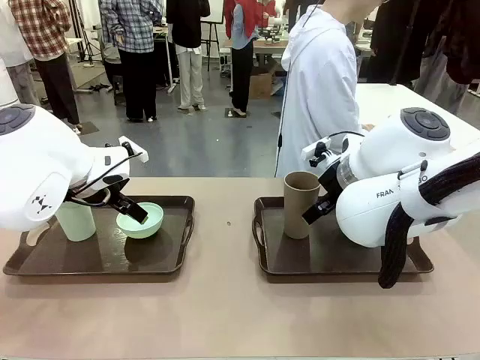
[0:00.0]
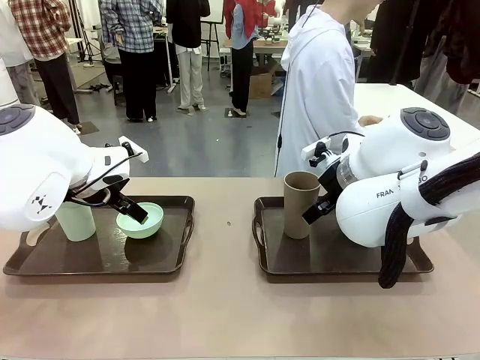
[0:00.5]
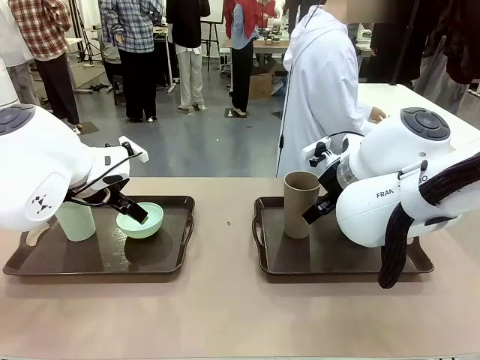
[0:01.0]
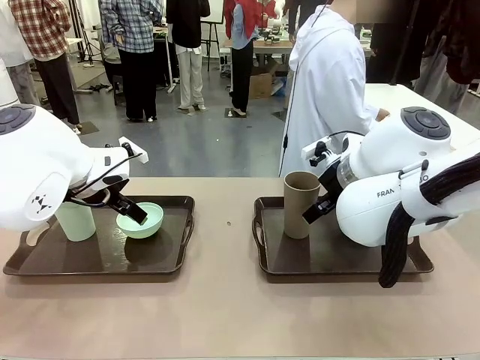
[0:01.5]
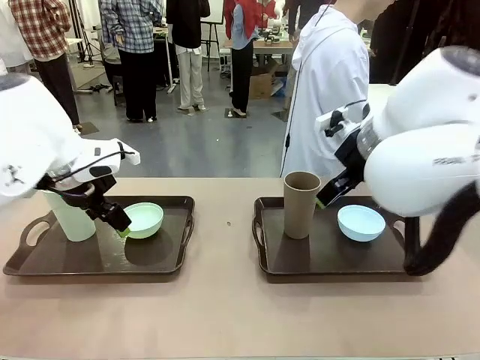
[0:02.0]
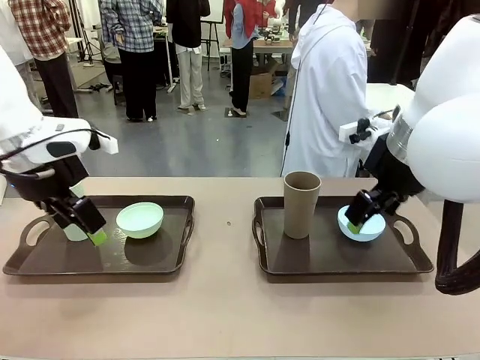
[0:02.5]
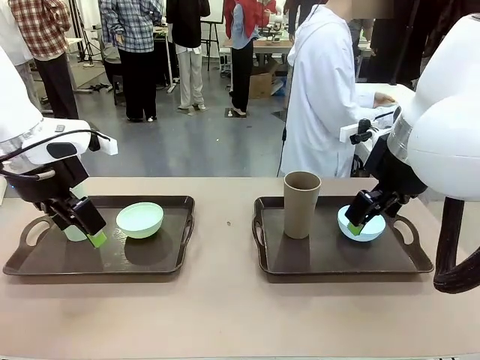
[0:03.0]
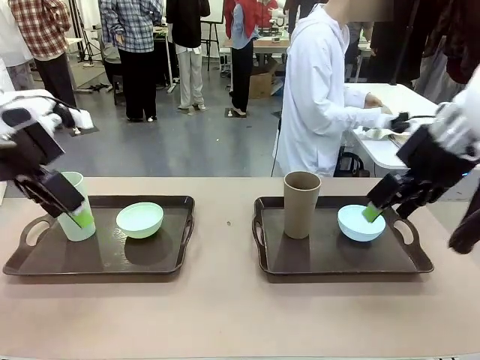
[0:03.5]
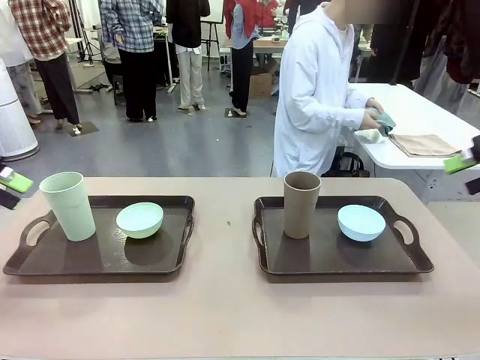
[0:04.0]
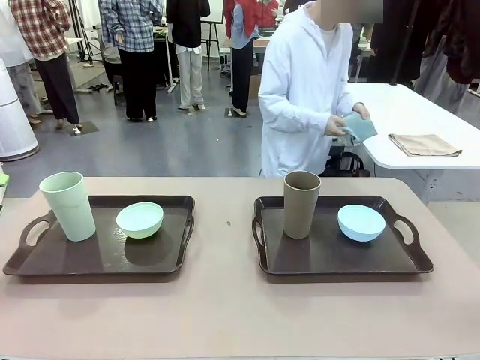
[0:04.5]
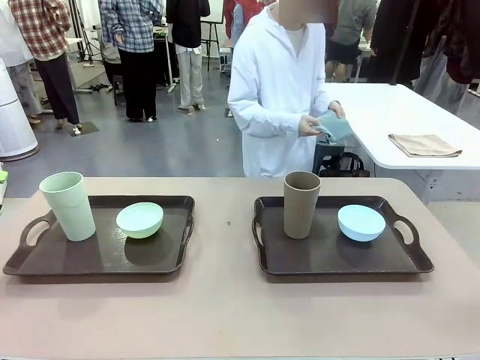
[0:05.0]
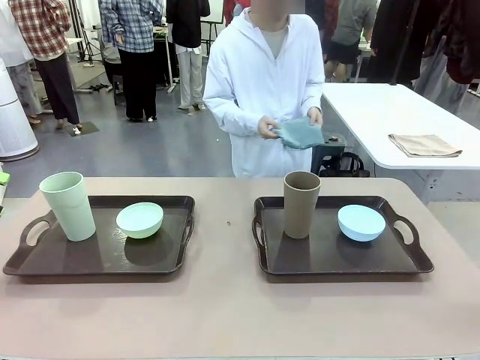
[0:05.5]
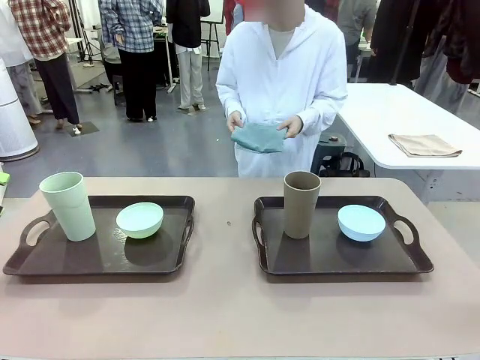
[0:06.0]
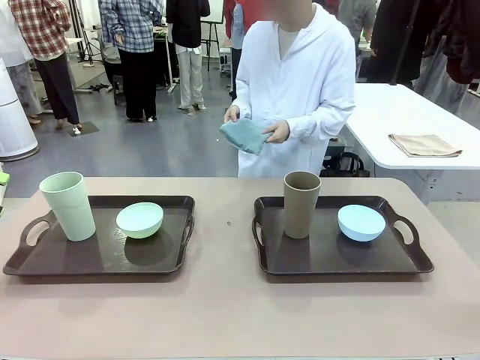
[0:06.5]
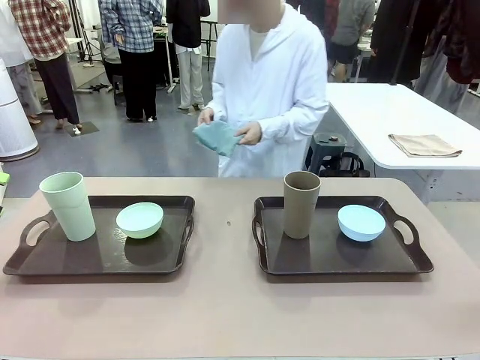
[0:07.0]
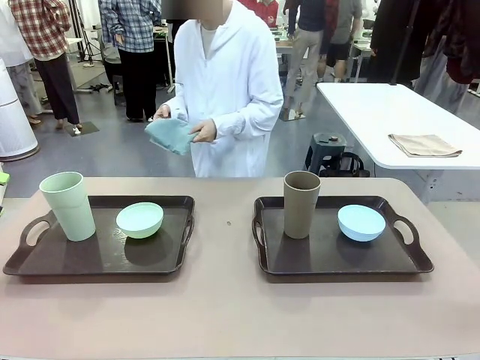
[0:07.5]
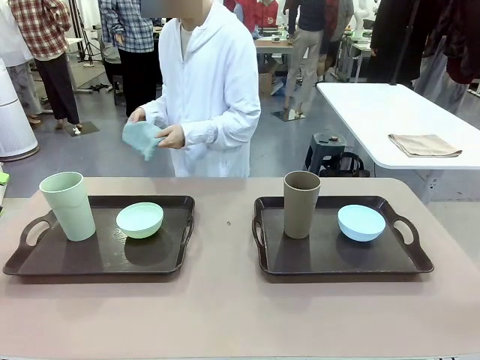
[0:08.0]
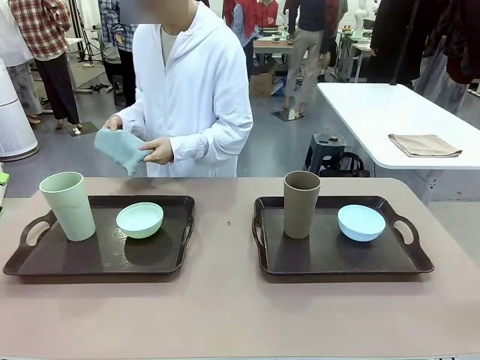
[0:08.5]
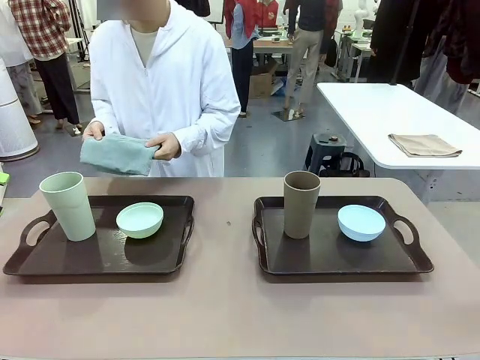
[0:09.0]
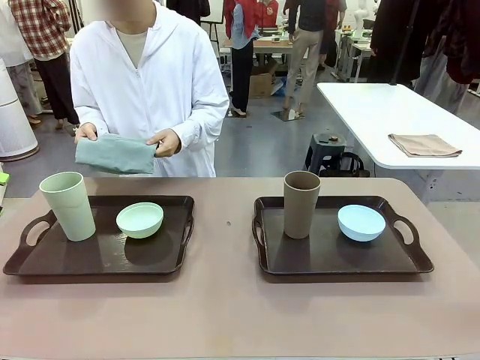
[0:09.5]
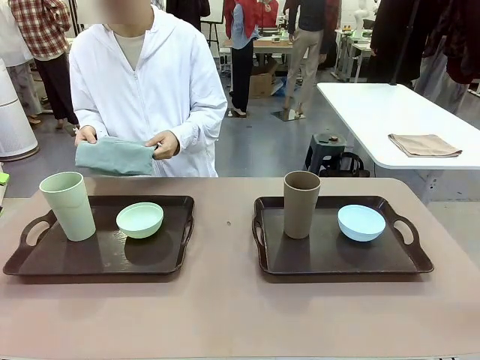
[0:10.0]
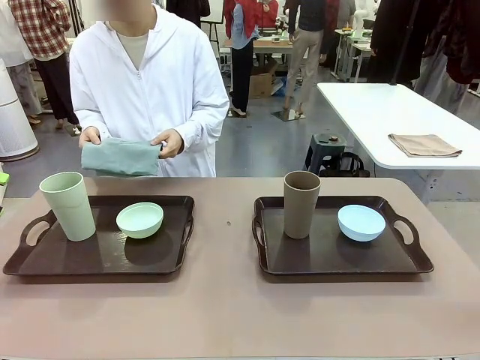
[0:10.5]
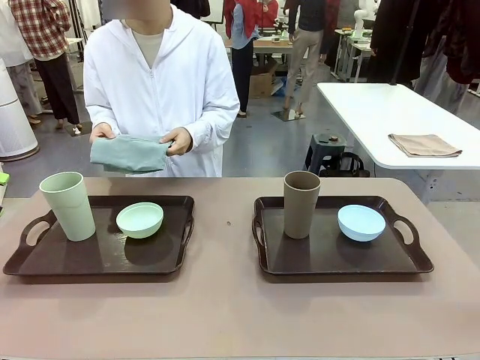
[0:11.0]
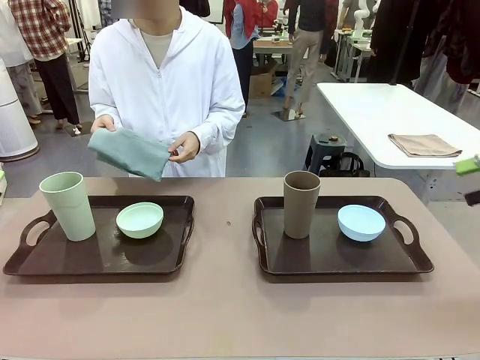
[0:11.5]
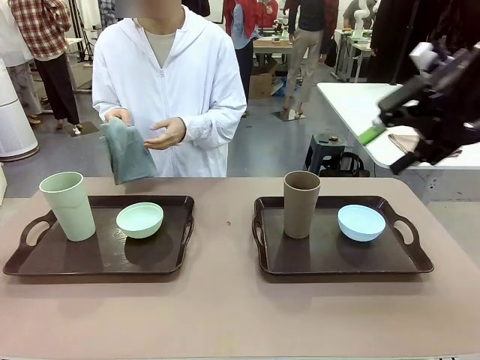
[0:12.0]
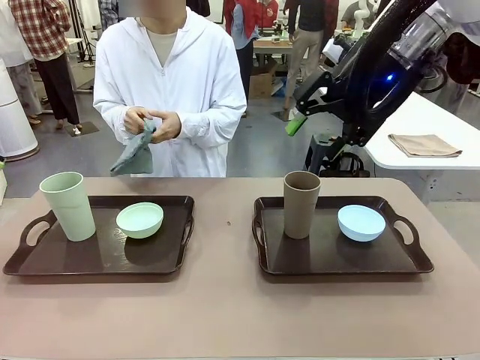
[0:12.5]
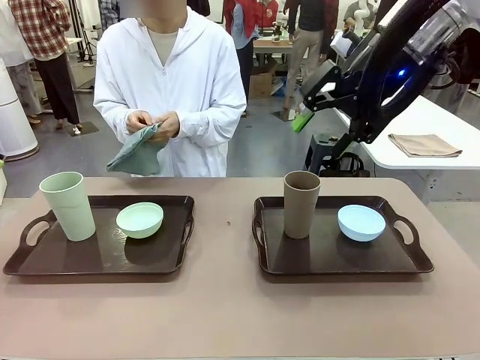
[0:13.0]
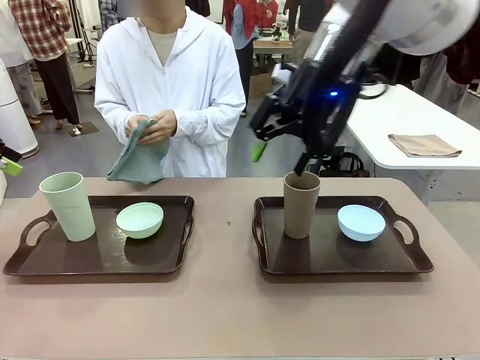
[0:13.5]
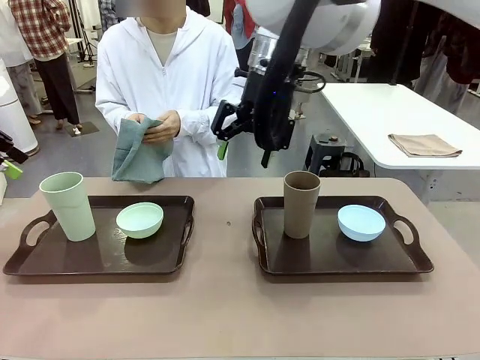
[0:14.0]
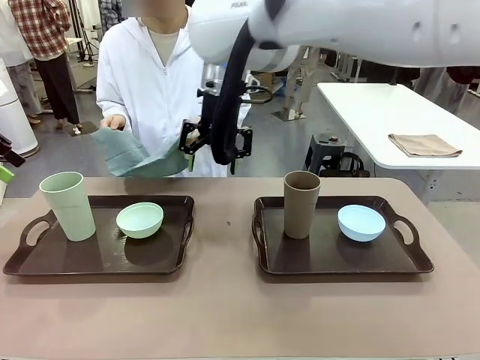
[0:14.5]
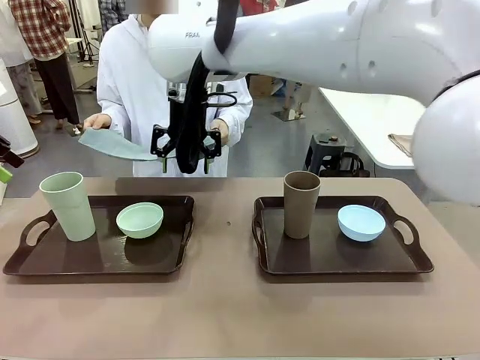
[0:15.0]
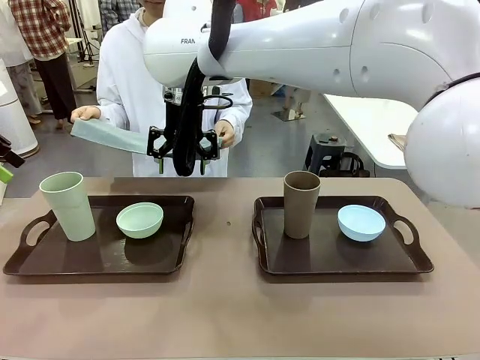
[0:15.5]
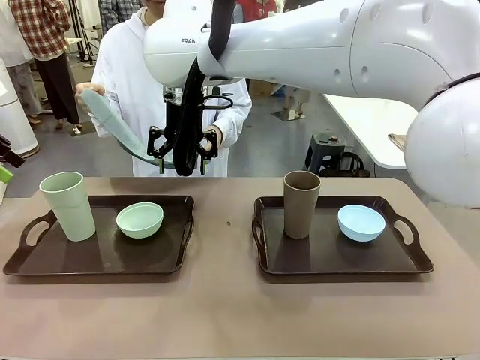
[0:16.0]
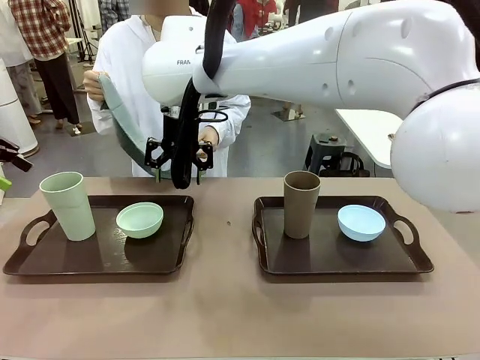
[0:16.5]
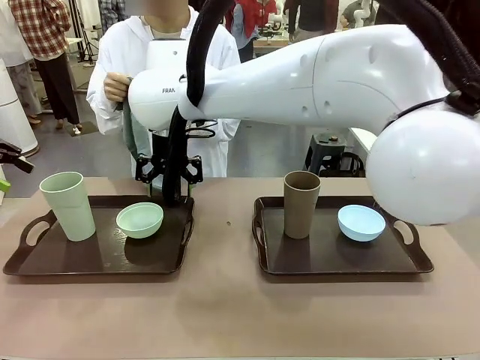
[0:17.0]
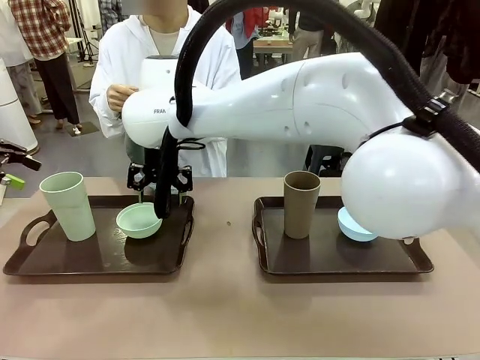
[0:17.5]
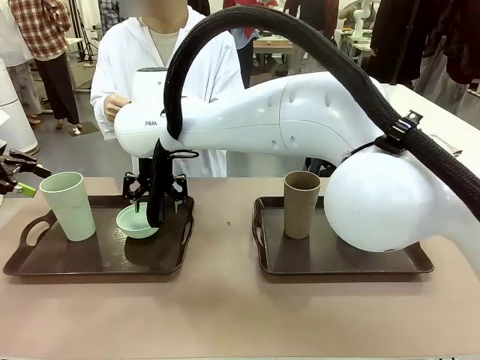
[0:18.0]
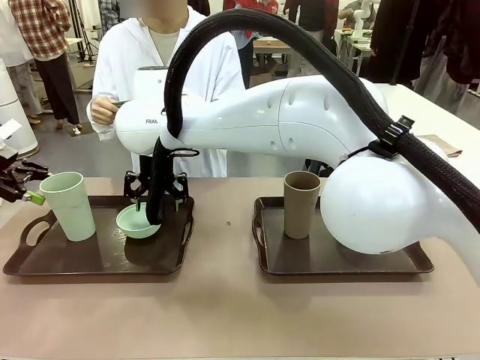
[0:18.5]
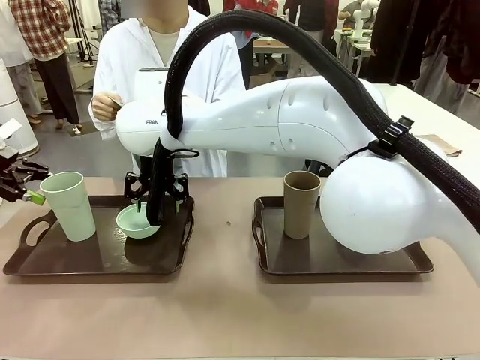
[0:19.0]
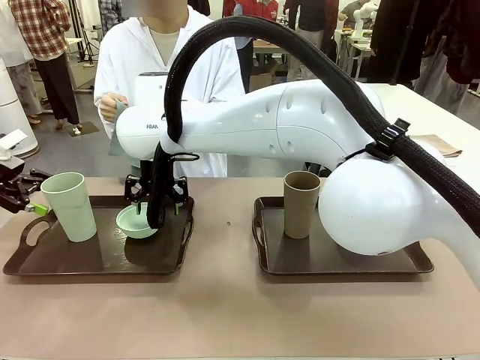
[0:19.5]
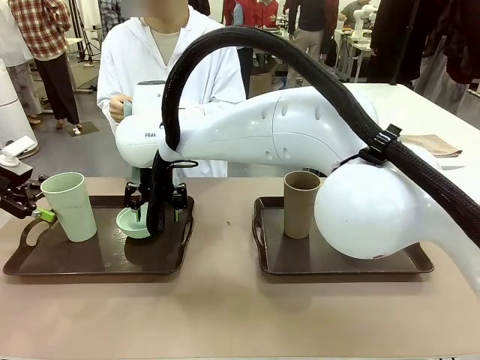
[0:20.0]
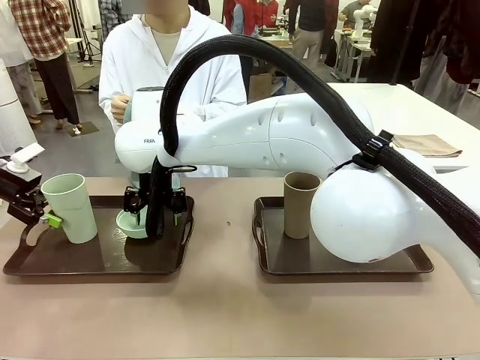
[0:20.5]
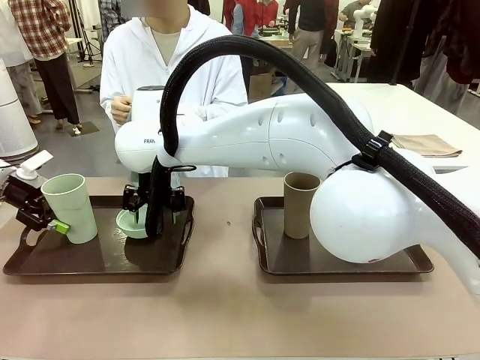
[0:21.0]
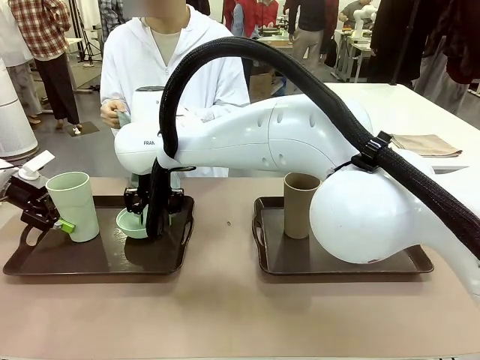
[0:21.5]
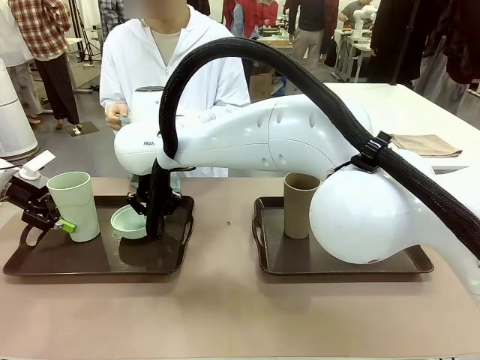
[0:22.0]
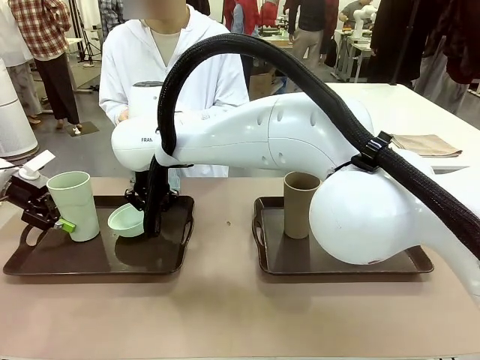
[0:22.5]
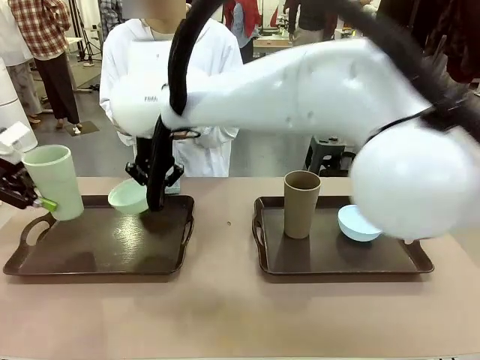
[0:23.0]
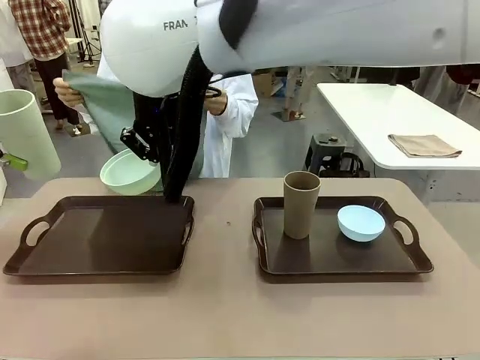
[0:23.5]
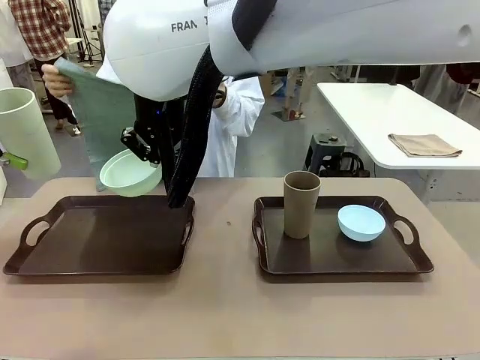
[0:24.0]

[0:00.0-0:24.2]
Robot: Pick up the Picnic Bowl and Reusable plastic cup from the Handle tray in front of the human's position and hold them in the air.
Person: The human picks up the top napkin from the stack on the human table and walks to the robot table to stand in front of one of the two trays. When the robot lifts the bowl and the cup, the human unfolds the napkin and lays the napkin flat on the tray.
